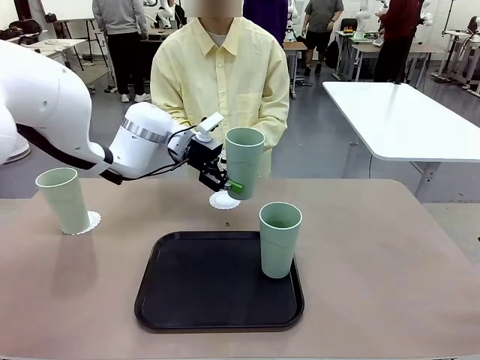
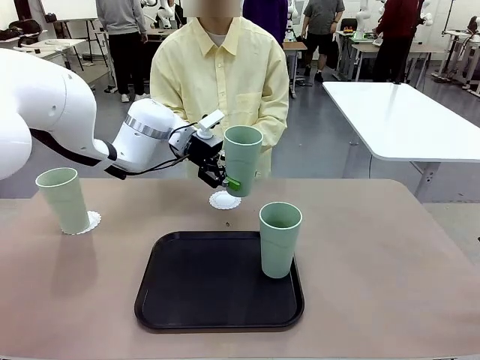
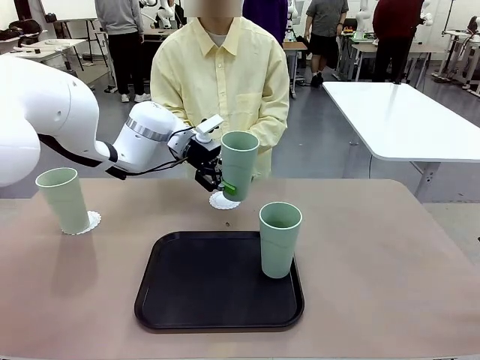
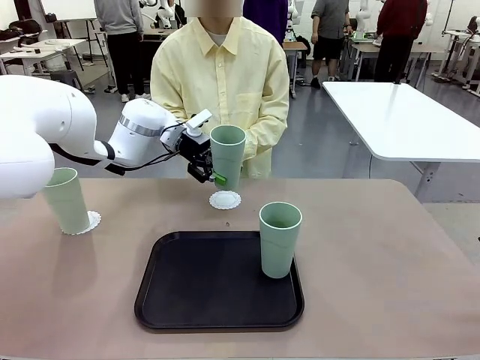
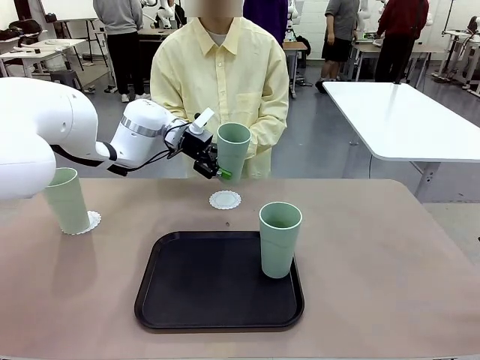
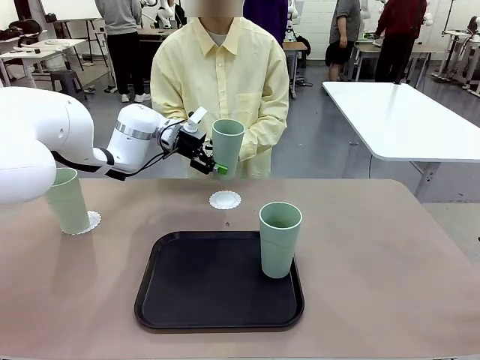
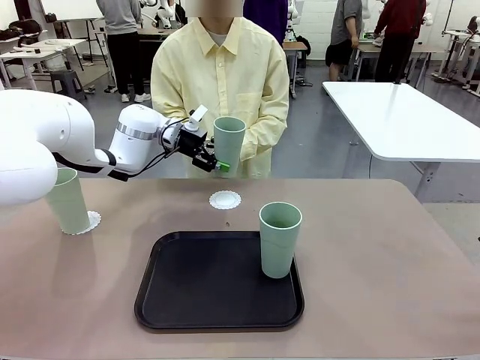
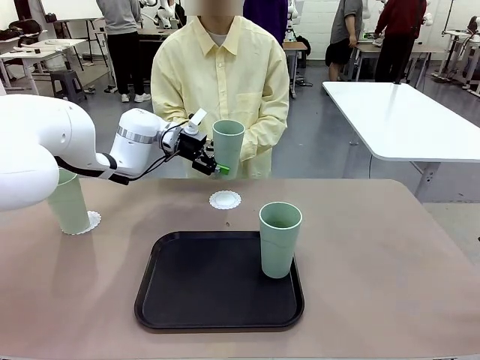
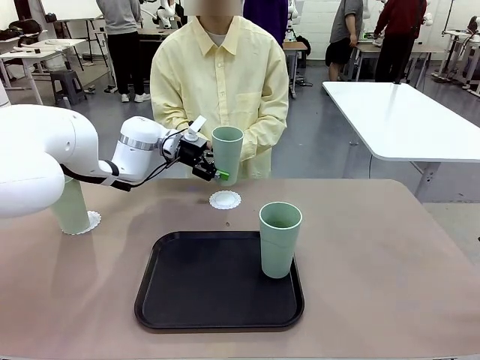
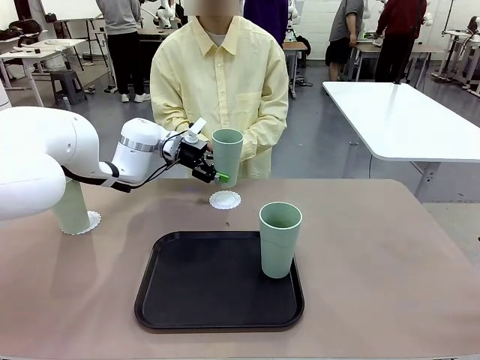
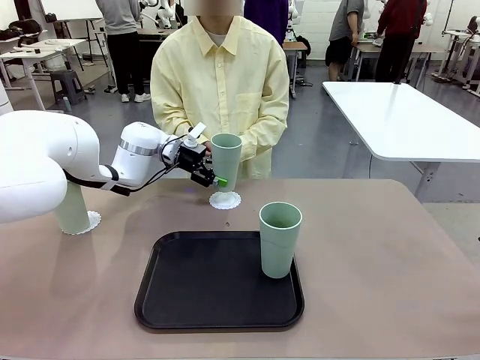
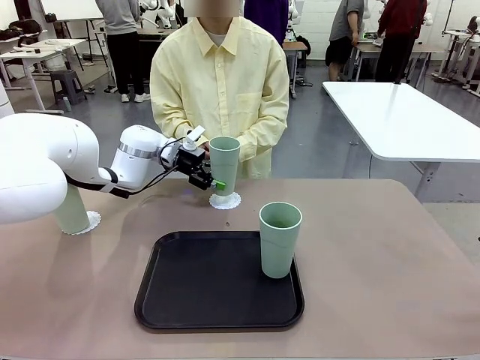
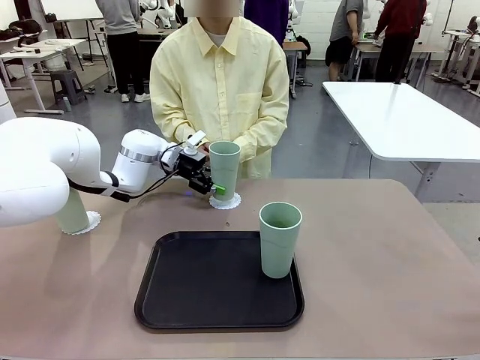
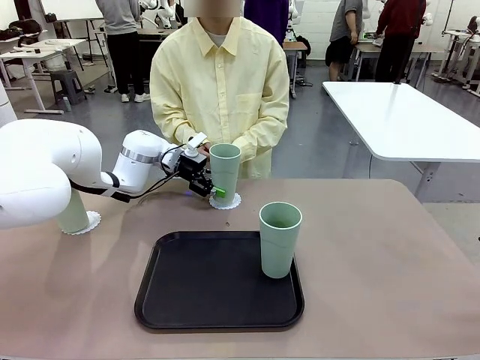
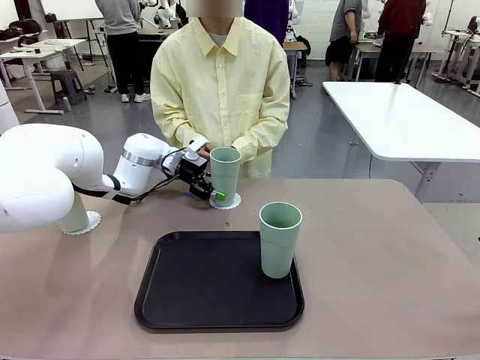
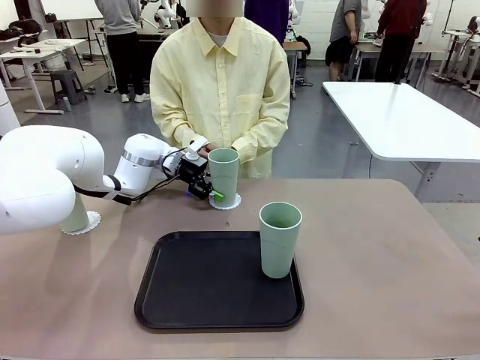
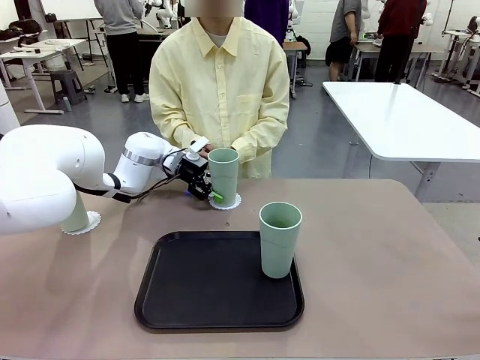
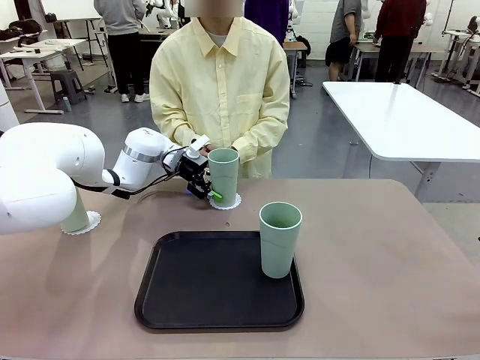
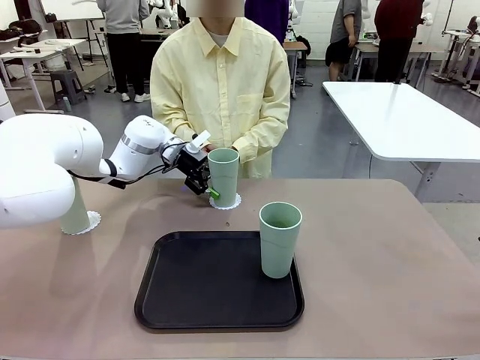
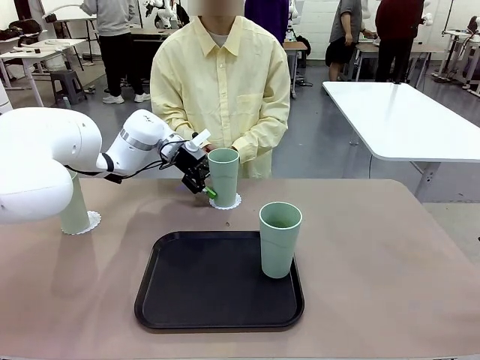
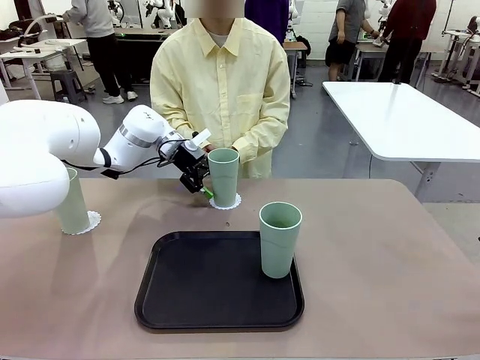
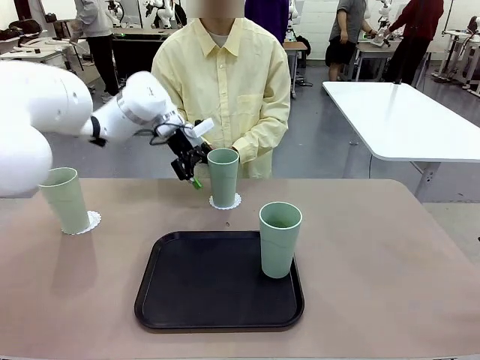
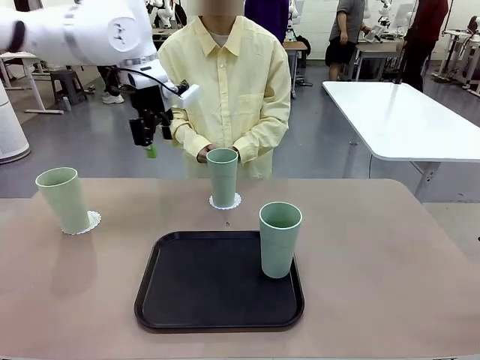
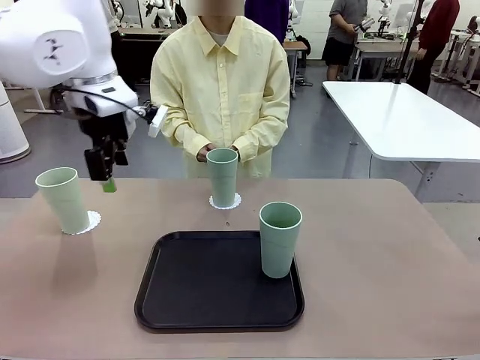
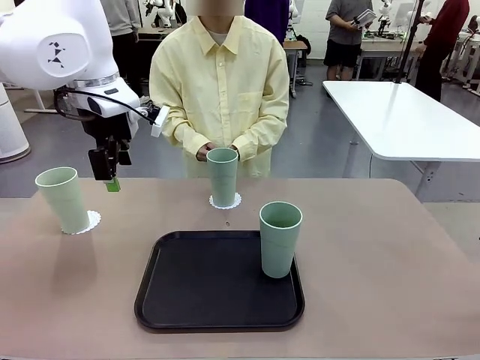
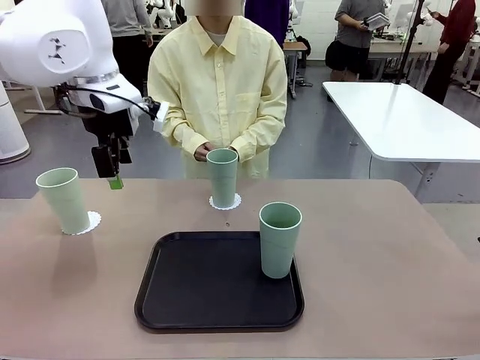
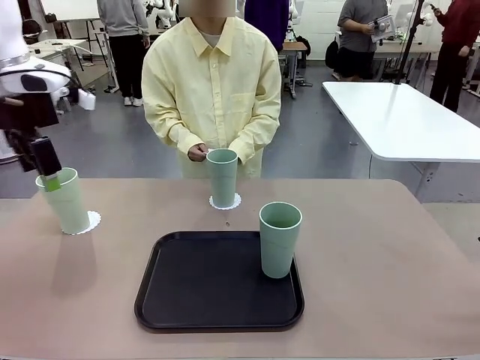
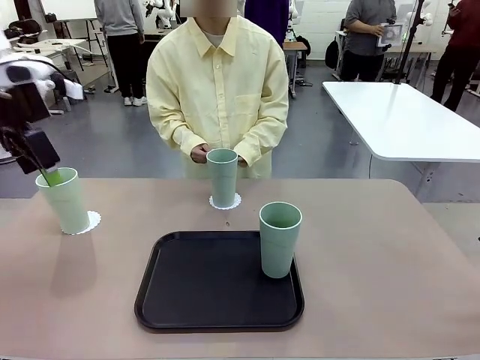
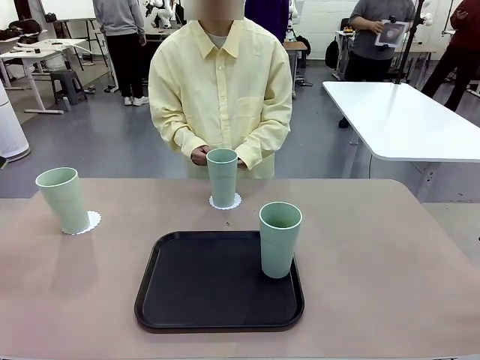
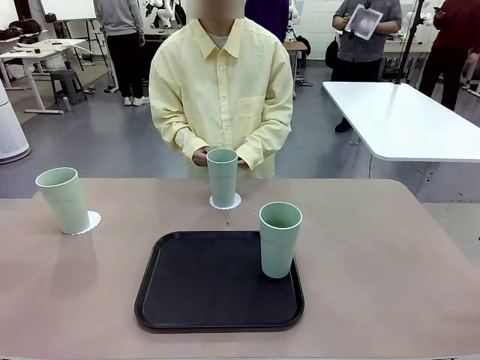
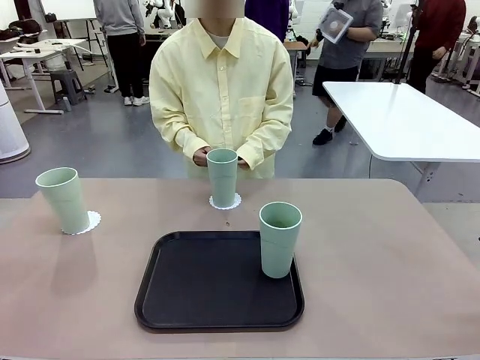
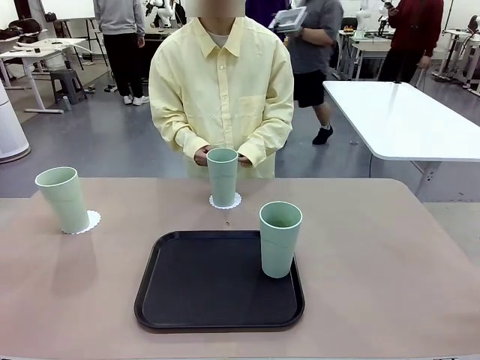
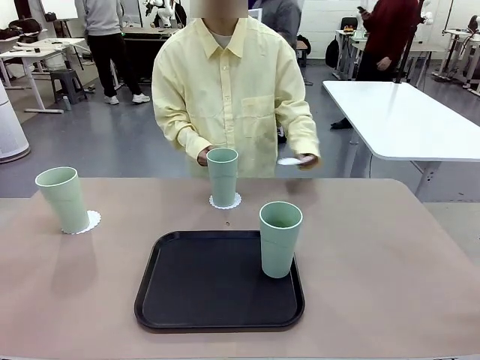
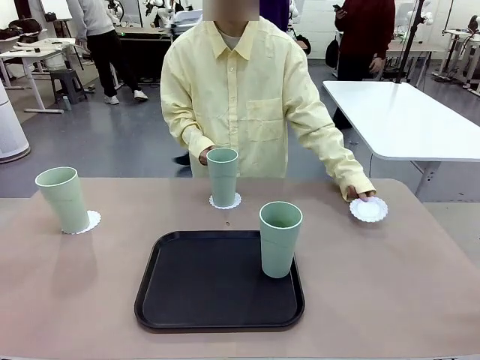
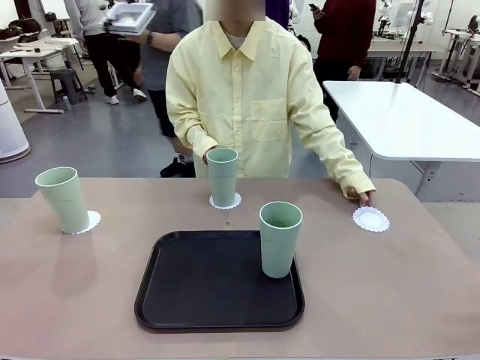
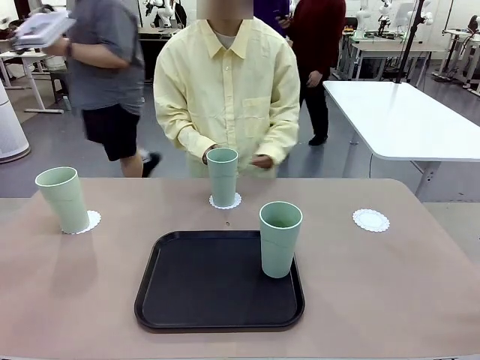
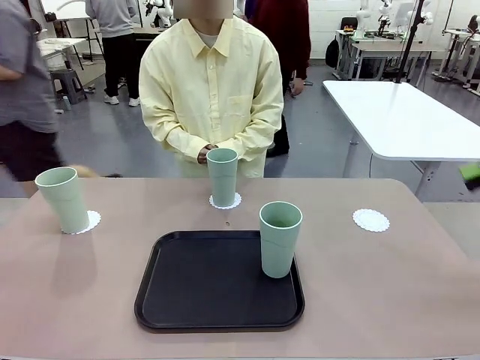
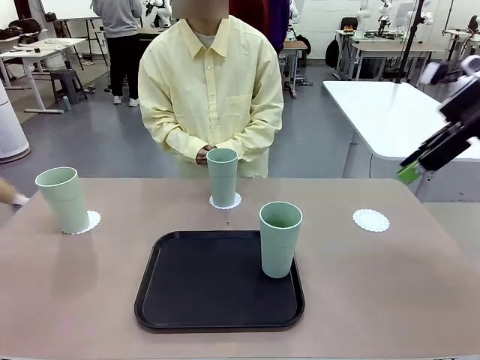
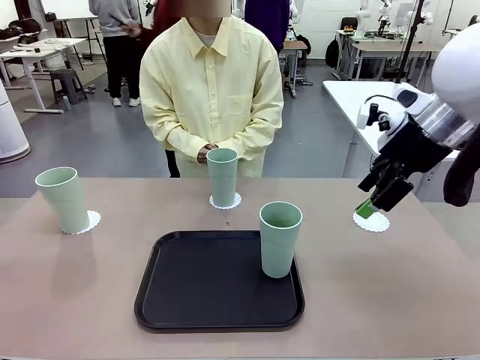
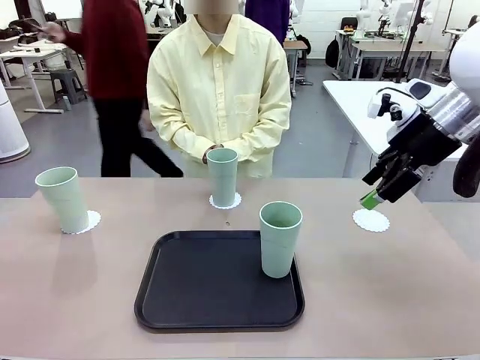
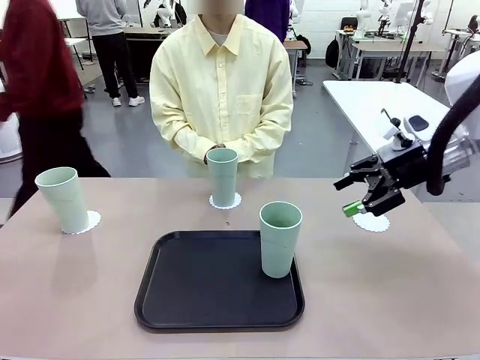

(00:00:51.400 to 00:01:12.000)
Task: Place coasters on the table and set cups on them.
Robot: Take one Reusable plastic cup from the Flat Tray and place it on a coaster set by the human.
